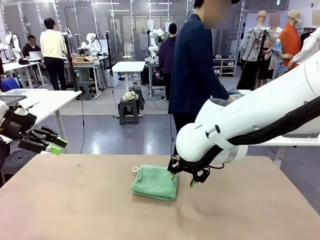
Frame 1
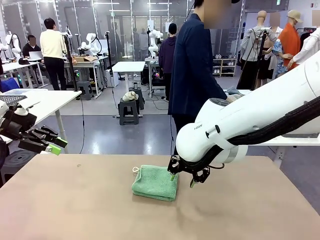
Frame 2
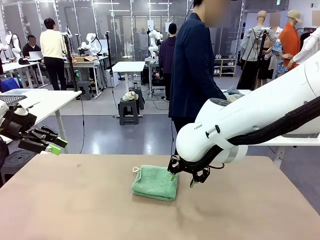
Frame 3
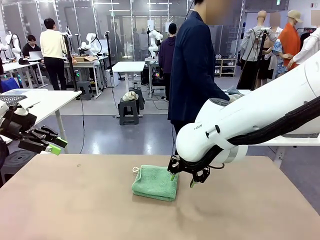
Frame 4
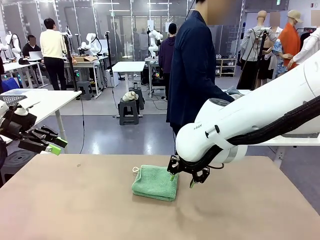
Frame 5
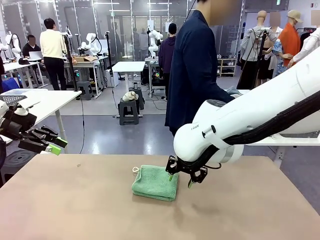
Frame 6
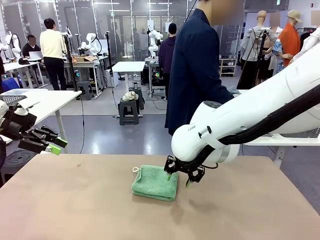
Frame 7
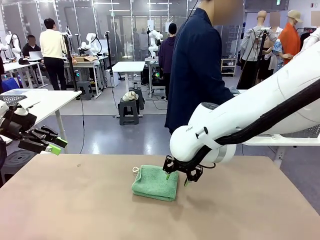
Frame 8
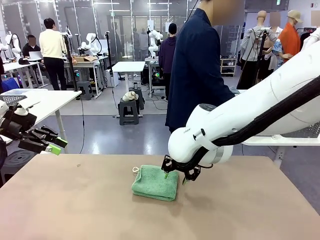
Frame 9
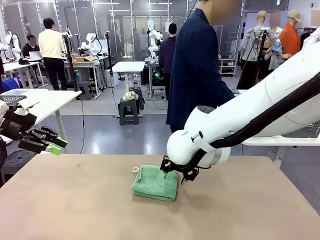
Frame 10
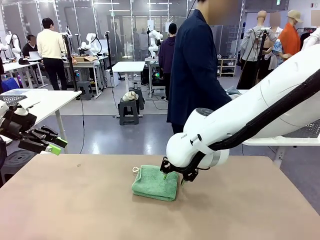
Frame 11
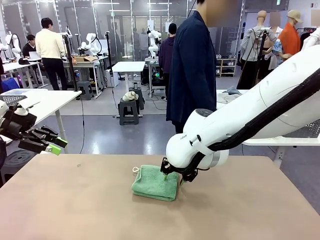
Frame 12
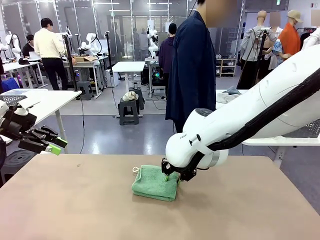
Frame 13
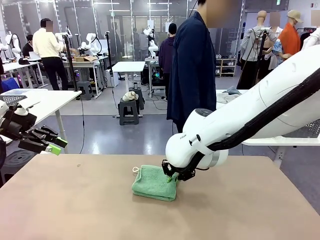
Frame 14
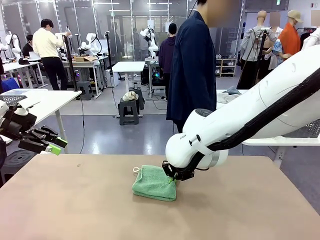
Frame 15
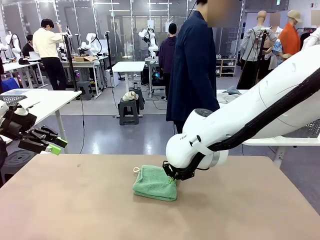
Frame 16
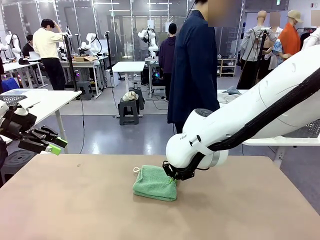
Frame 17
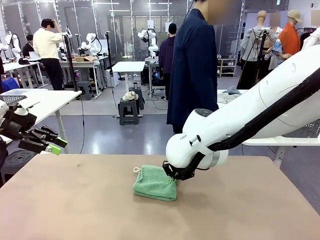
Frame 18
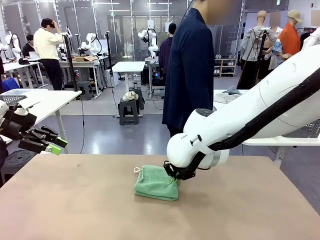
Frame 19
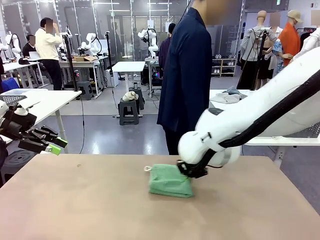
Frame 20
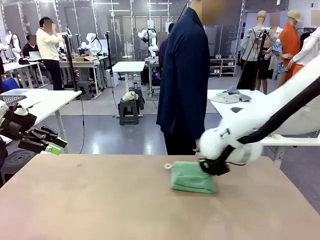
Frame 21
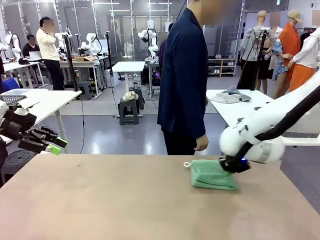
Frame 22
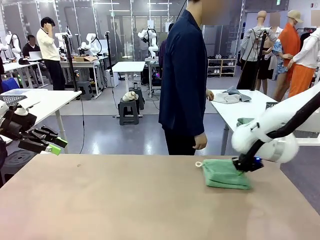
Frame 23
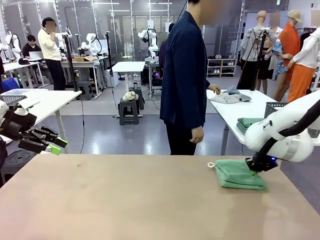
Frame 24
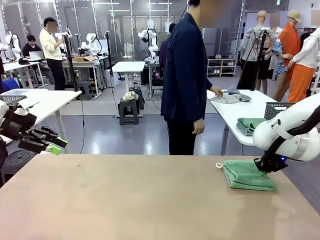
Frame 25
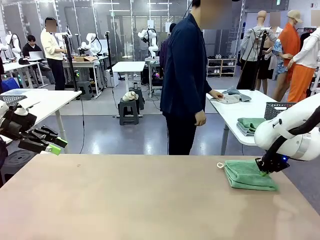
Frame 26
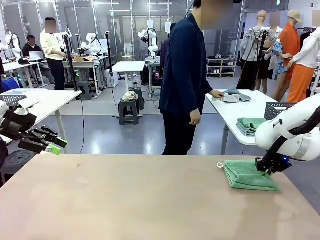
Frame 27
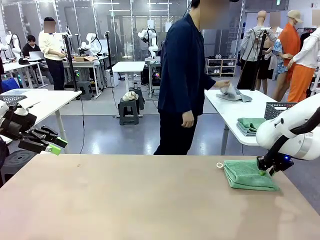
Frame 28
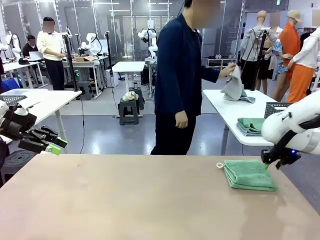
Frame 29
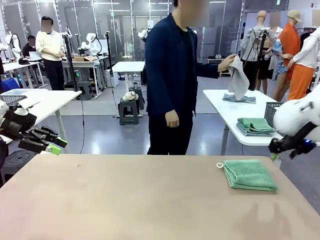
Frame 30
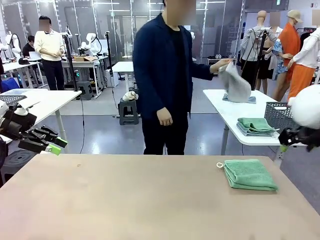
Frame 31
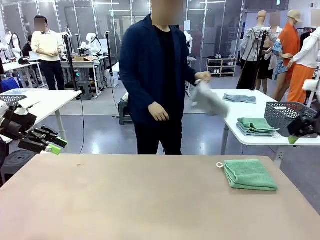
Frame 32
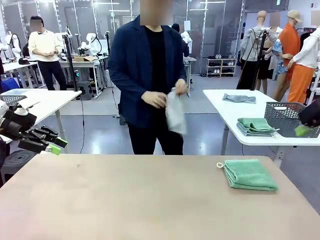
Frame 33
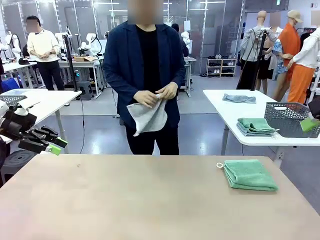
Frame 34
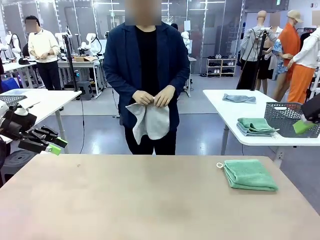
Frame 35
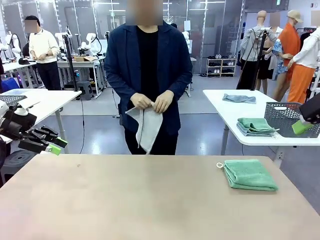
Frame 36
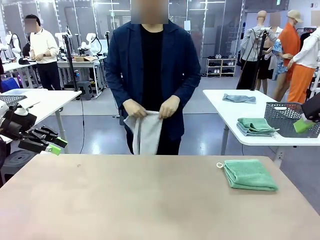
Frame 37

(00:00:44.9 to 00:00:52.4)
Task: Fold the towels and place them in the basket.
Robot: Place the folded Towel with hook on the right side of the table.
Person: Pick up one towel from the left side of the human table and spread it out at the center of the robot table.

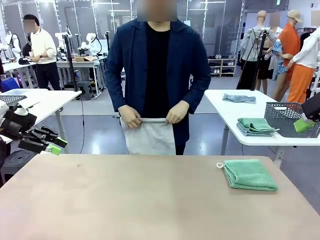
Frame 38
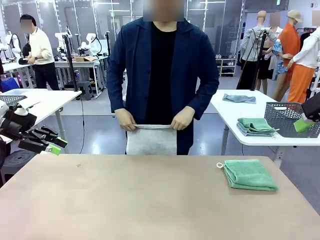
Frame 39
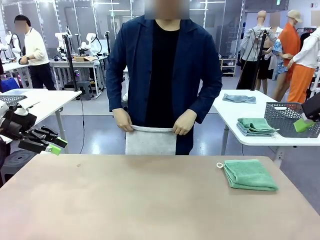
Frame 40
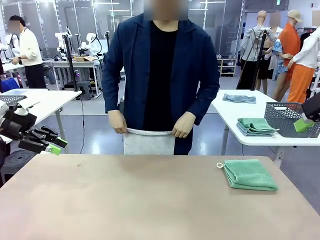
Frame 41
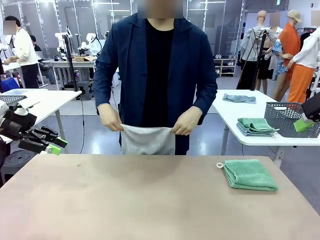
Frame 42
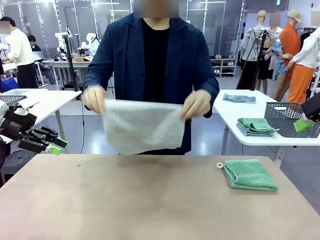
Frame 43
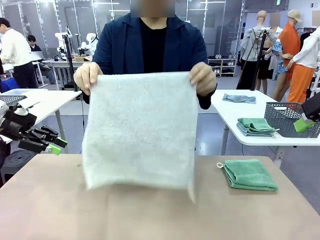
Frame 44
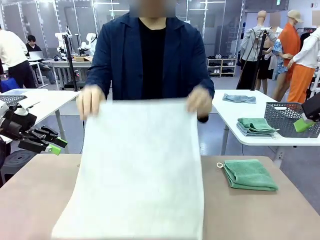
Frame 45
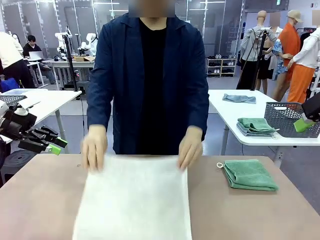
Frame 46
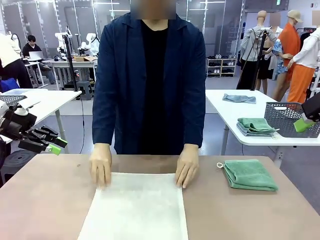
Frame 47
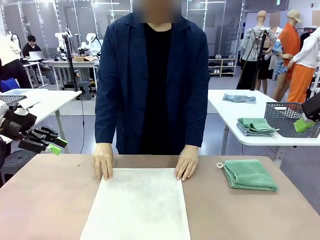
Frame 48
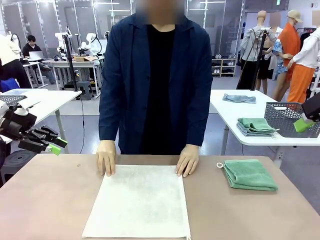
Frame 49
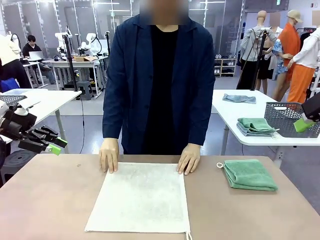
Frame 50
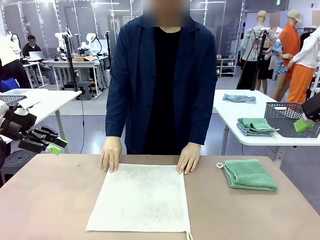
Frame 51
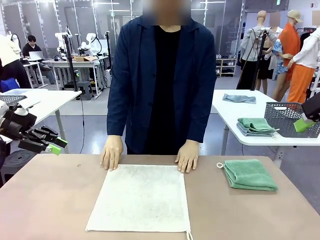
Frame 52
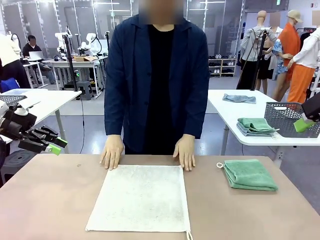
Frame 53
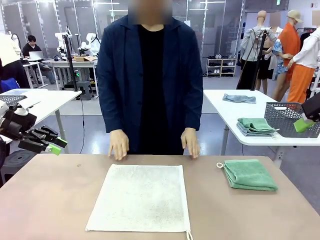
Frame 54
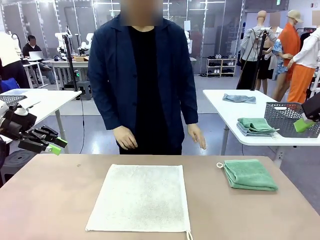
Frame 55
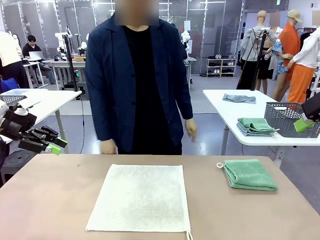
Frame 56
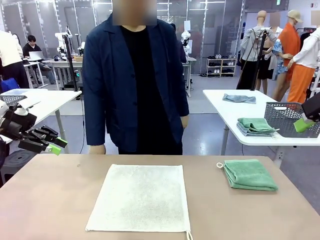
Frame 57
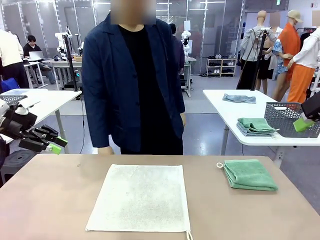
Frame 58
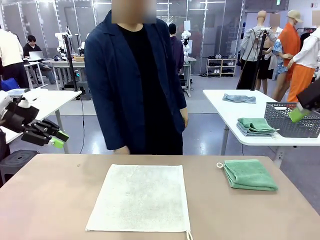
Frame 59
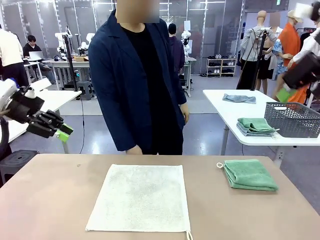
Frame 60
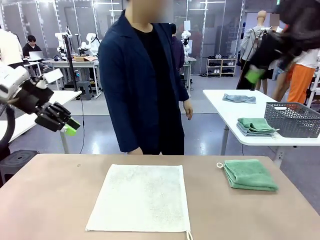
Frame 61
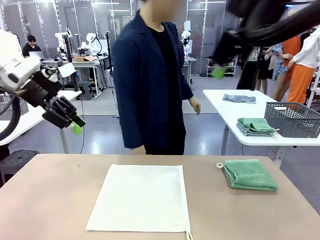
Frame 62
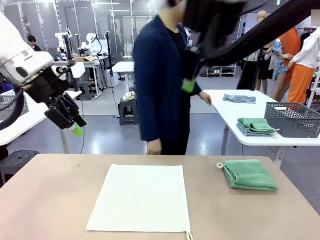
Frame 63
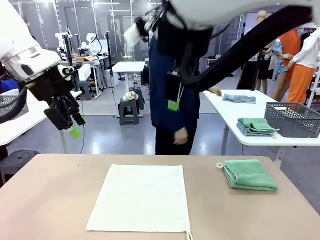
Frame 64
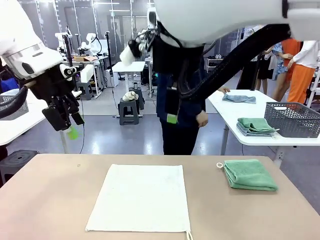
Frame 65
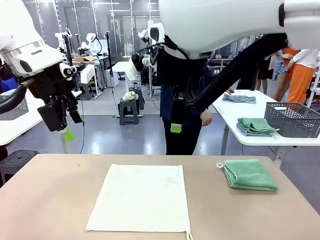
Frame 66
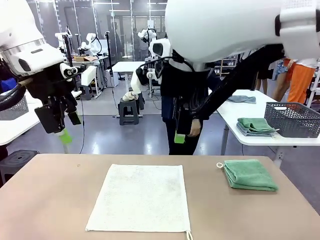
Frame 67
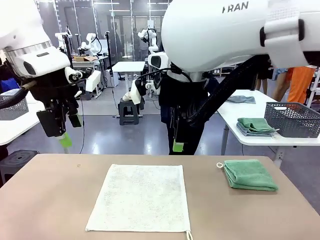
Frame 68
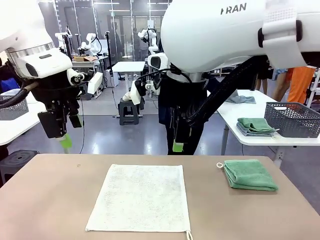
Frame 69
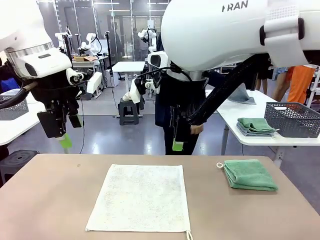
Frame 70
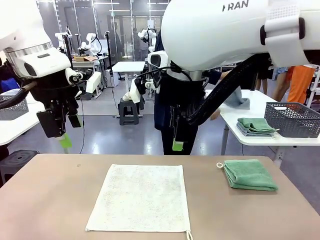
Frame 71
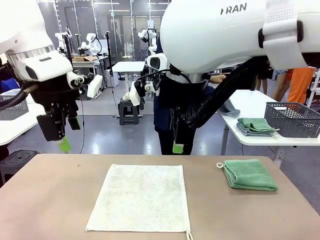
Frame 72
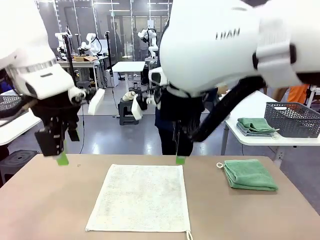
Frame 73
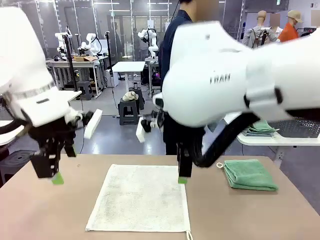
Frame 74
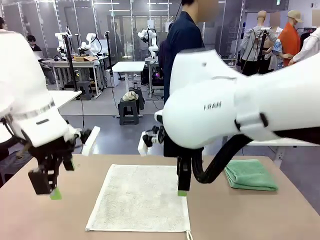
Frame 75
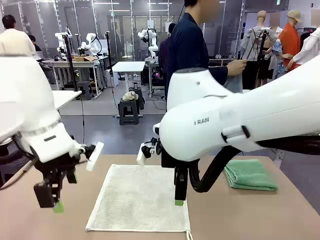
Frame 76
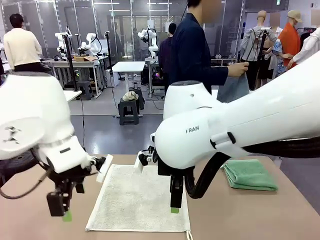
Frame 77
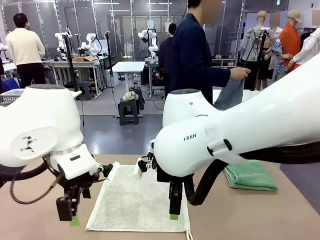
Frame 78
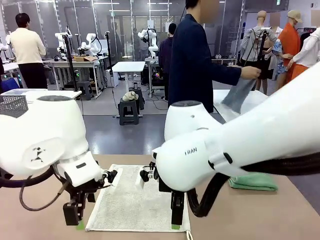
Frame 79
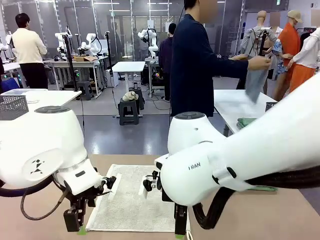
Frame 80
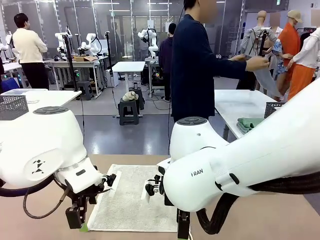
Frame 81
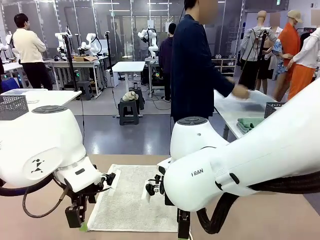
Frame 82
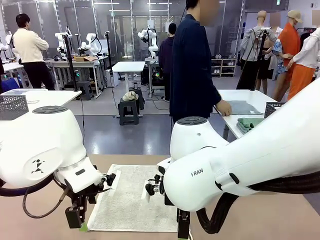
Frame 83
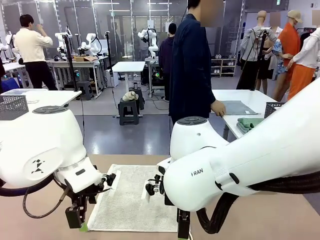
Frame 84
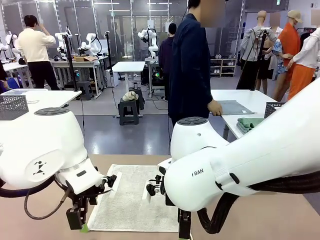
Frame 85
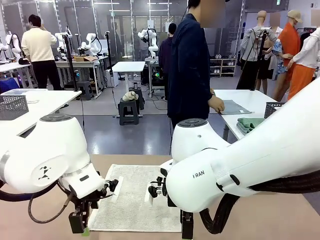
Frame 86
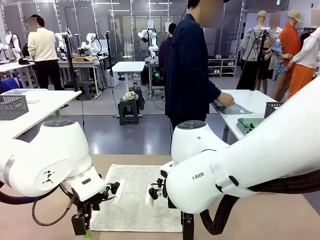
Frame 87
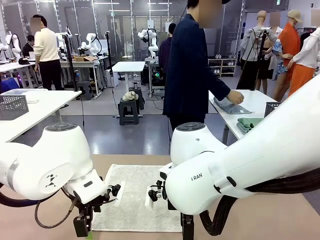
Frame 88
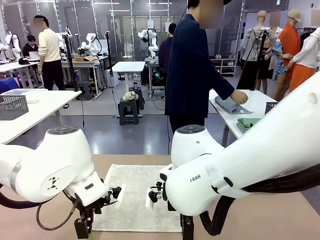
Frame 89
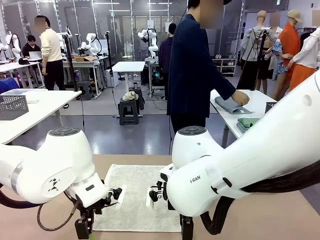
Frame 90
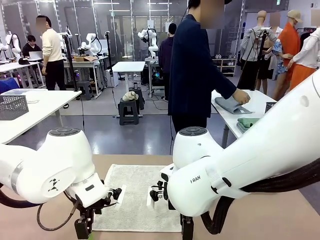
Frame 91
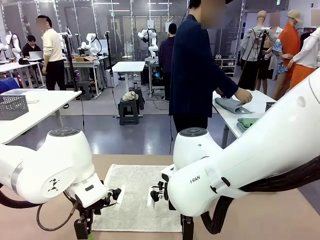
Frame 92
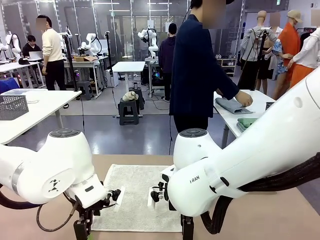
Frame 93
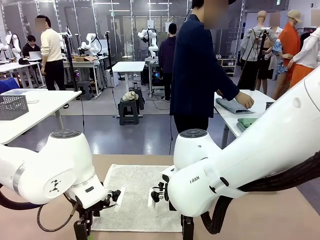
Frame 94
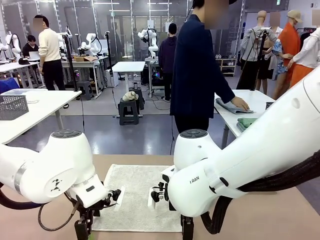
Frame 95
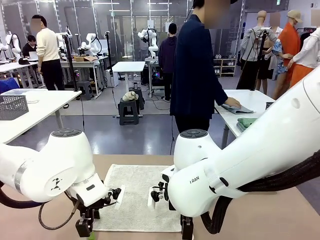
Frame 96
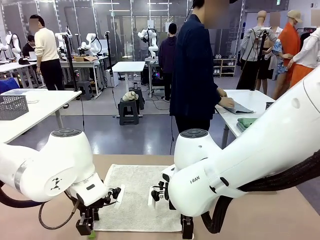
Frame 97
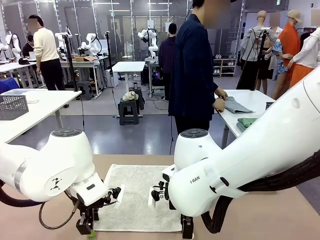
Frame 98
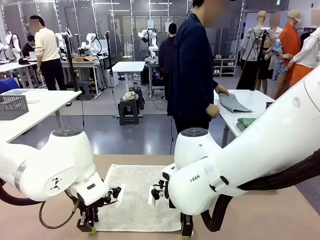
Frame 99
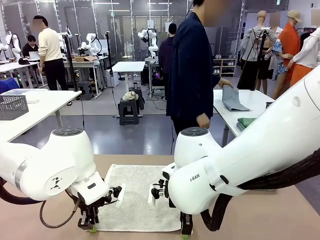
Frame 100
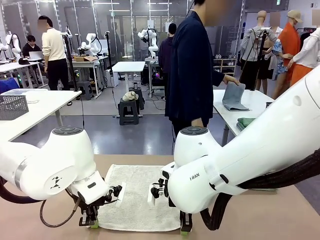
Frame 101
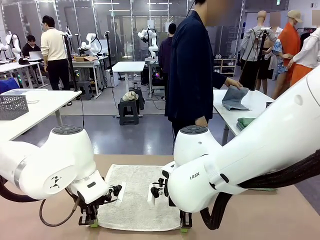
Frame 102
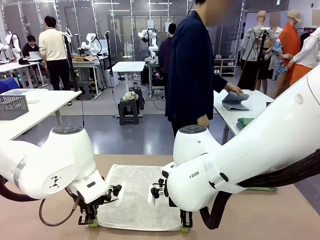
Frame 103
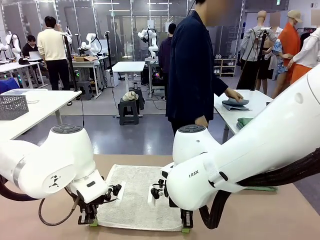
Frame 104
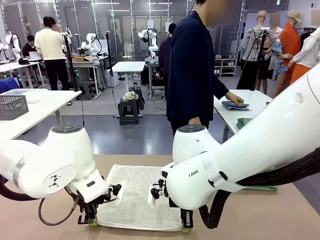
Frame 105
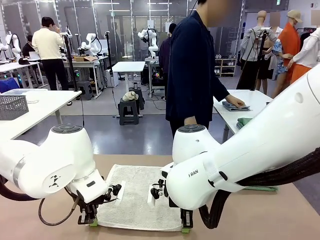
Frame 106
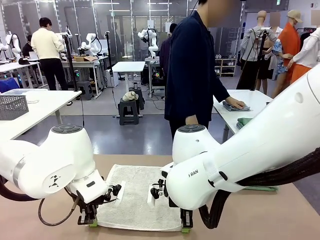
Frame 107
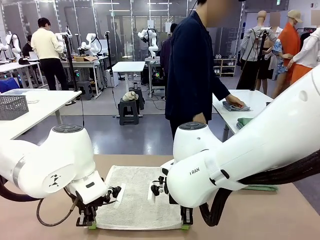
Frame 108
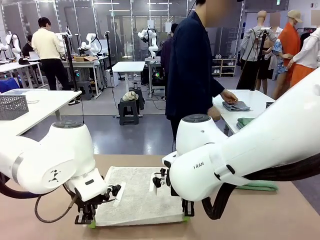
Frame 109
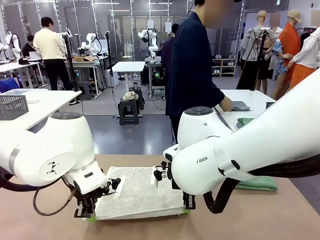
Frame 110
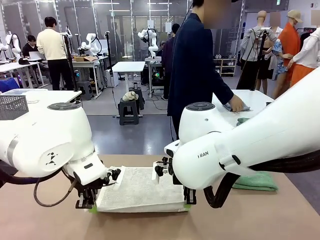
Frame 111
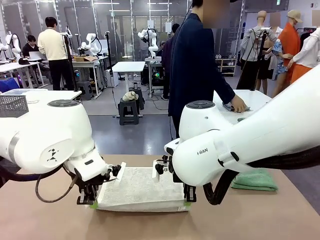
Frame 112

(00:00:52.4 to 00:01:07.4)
Robot: When a person lays out a Towel with hook on the table, fold it in half twice.
Person: Pick up one towel from the left side of the human table, fold it in half twice, and stack it on the right side of the table.
